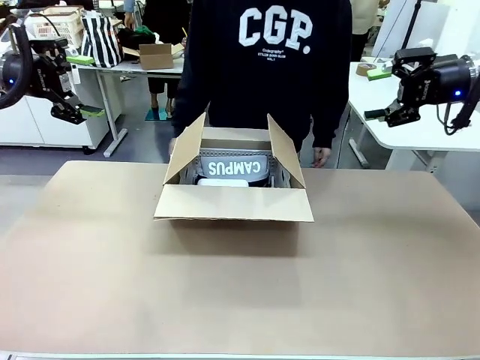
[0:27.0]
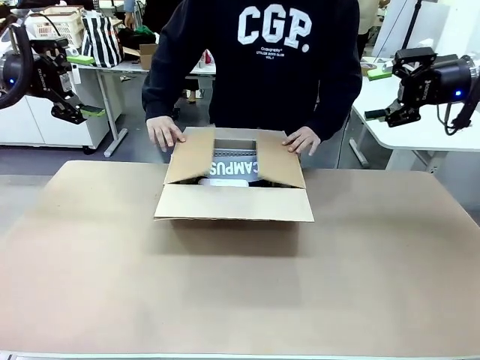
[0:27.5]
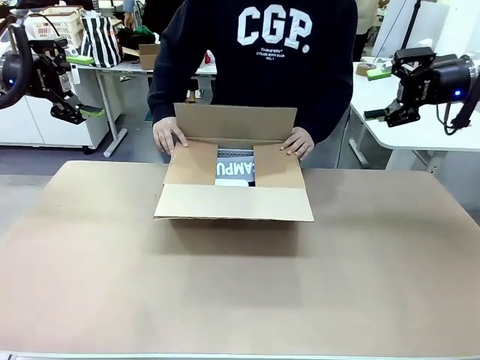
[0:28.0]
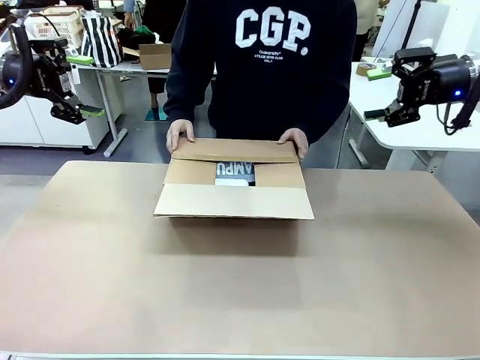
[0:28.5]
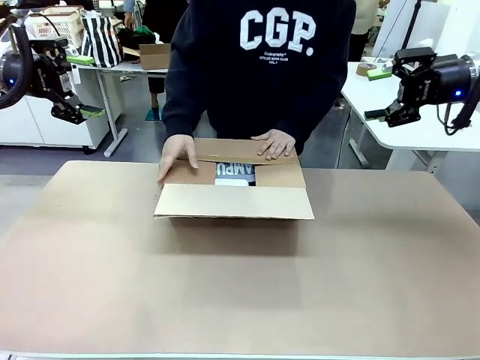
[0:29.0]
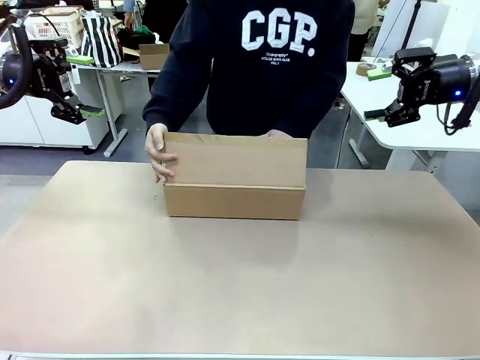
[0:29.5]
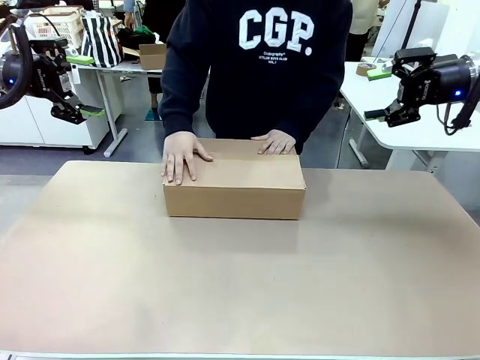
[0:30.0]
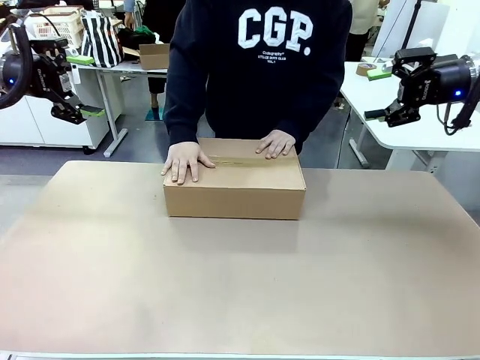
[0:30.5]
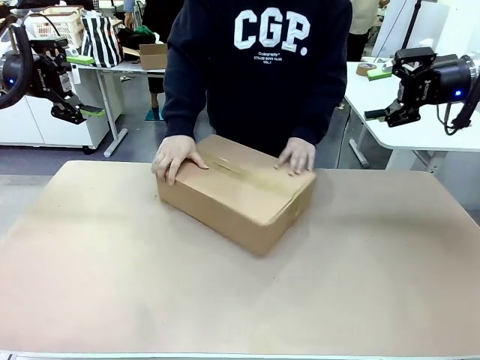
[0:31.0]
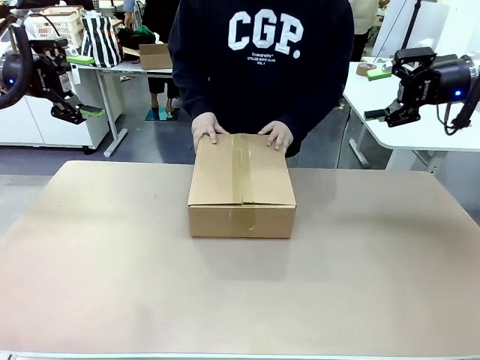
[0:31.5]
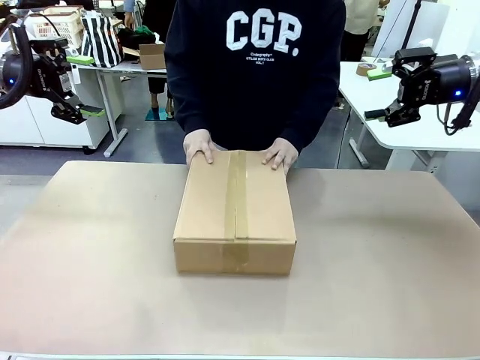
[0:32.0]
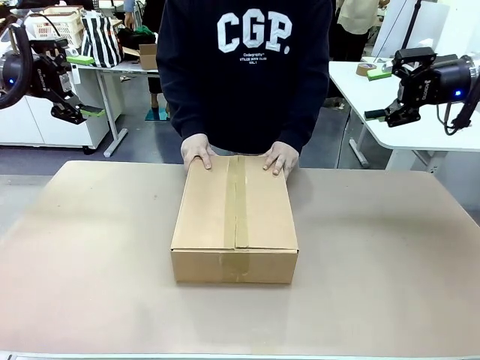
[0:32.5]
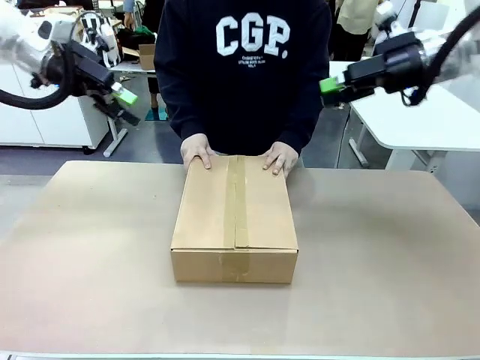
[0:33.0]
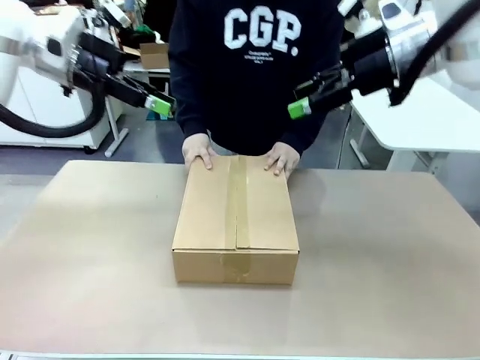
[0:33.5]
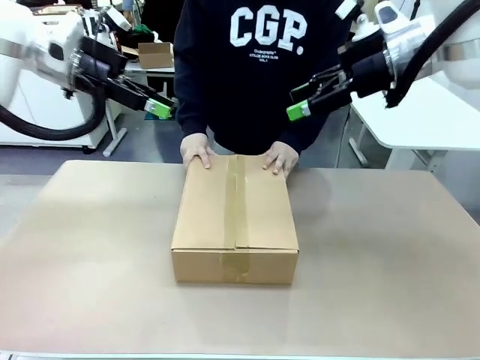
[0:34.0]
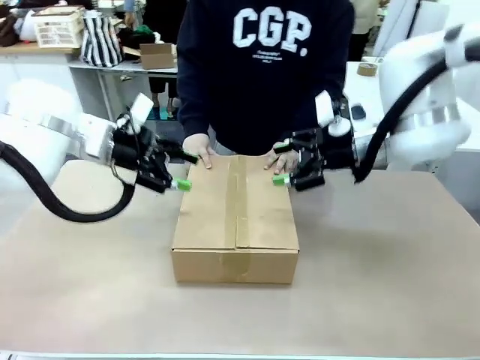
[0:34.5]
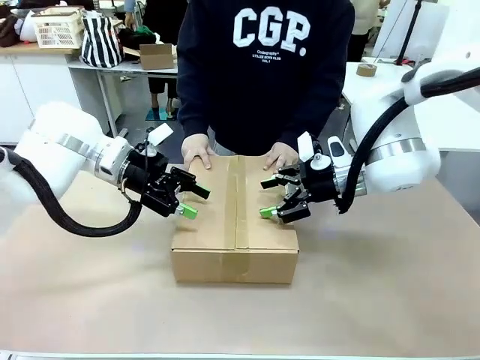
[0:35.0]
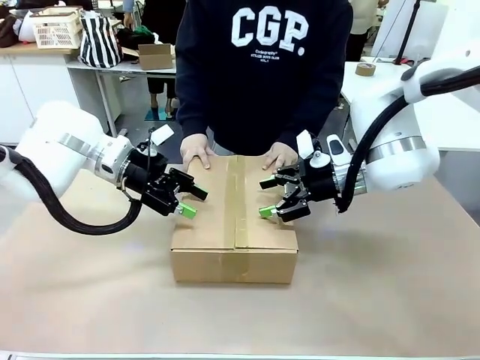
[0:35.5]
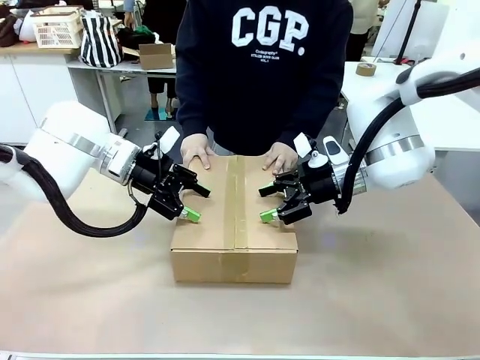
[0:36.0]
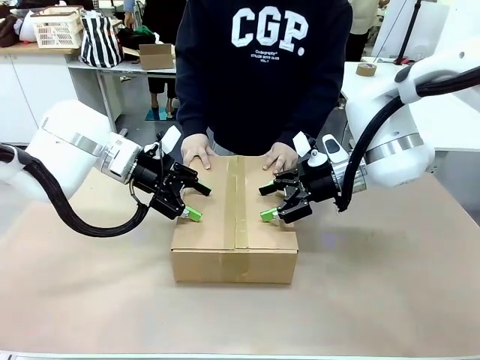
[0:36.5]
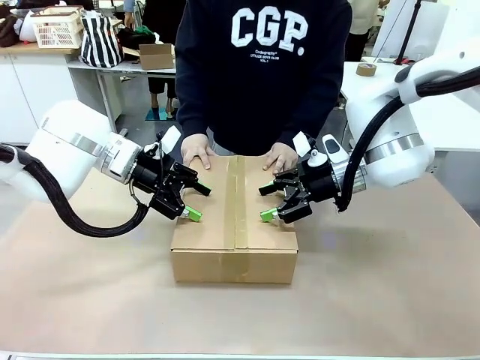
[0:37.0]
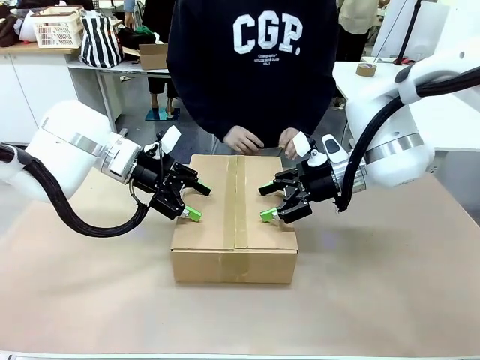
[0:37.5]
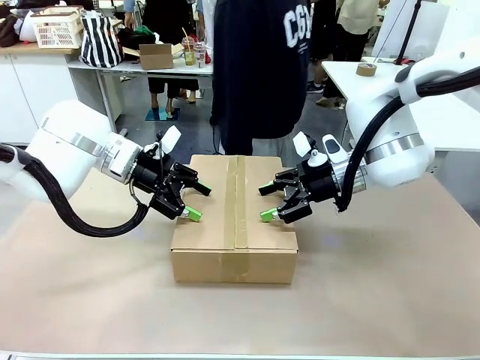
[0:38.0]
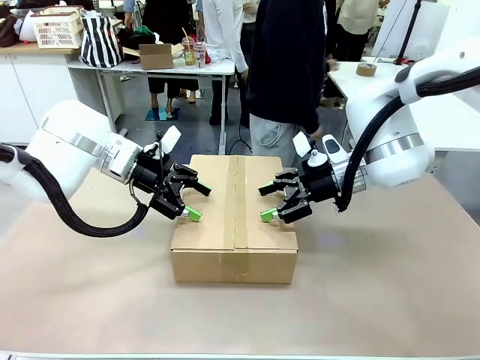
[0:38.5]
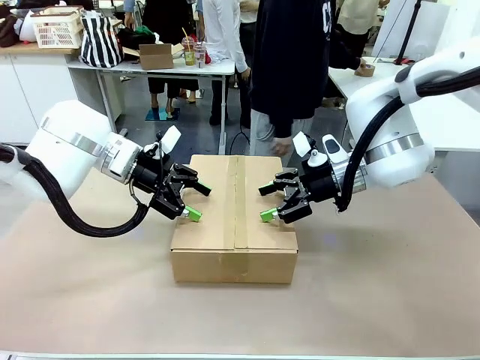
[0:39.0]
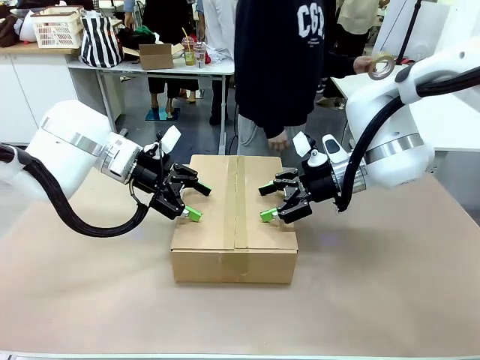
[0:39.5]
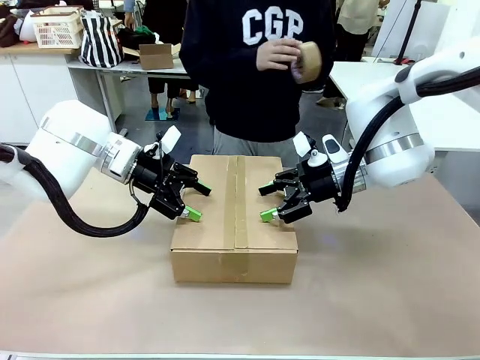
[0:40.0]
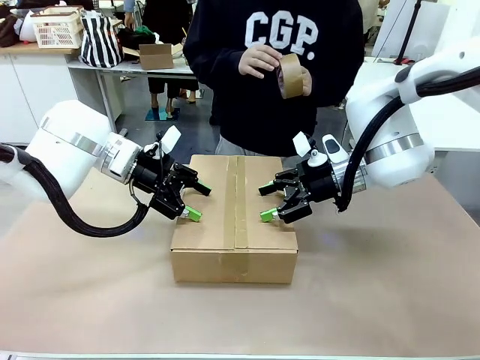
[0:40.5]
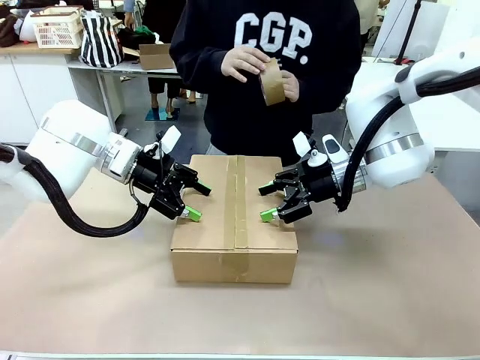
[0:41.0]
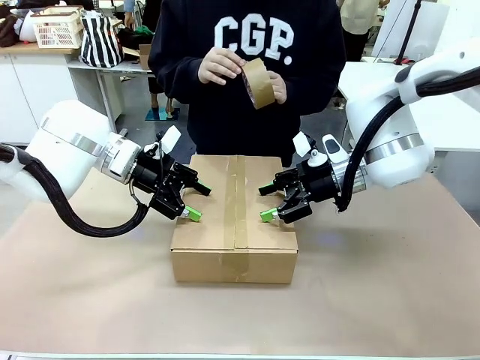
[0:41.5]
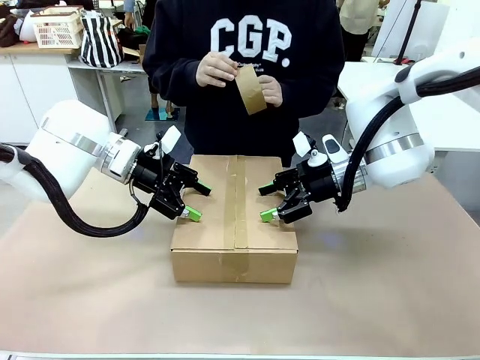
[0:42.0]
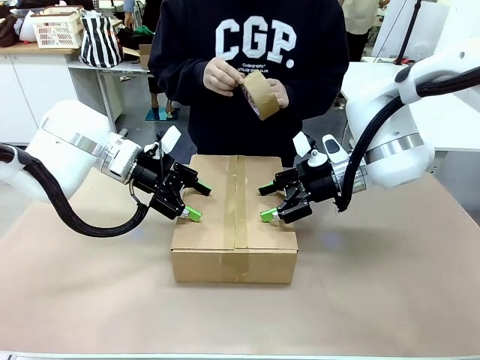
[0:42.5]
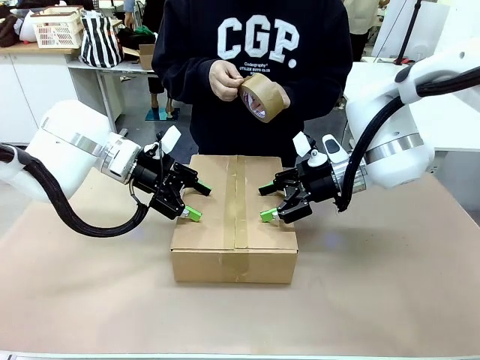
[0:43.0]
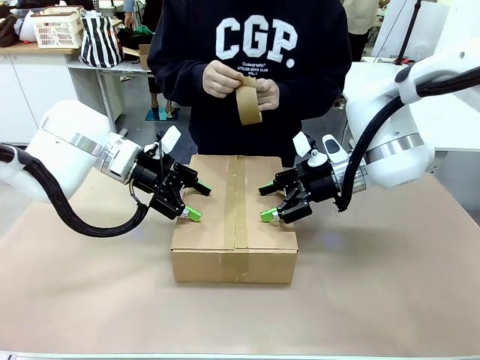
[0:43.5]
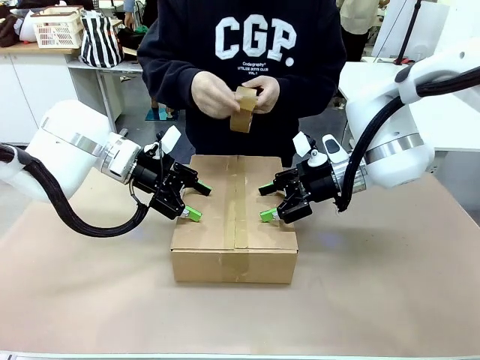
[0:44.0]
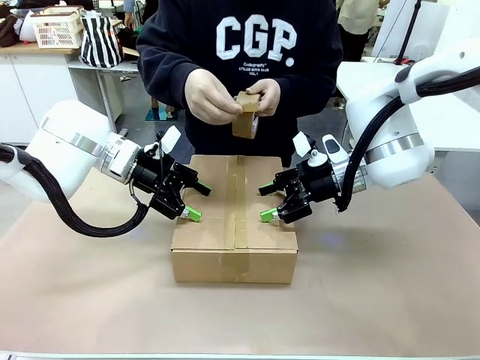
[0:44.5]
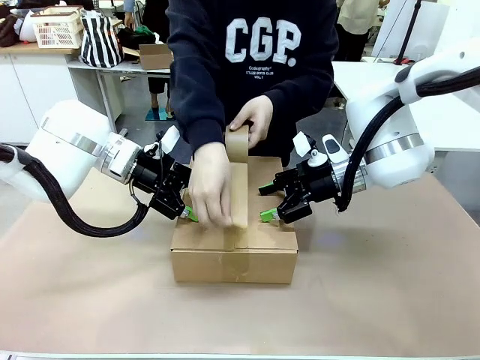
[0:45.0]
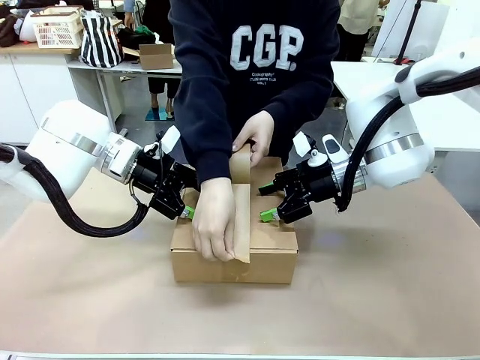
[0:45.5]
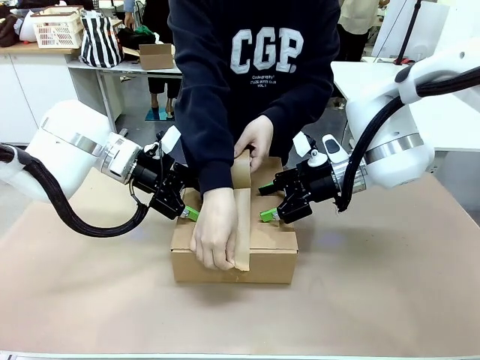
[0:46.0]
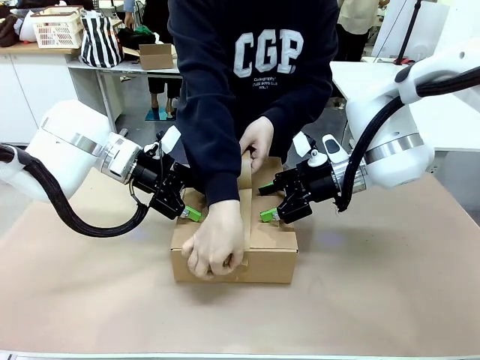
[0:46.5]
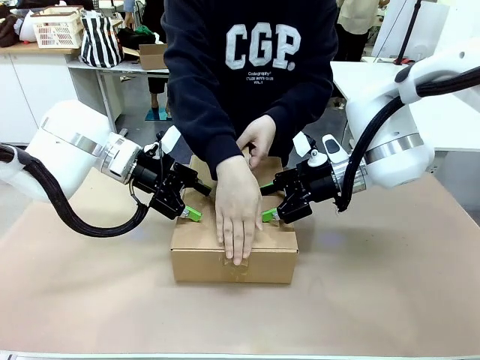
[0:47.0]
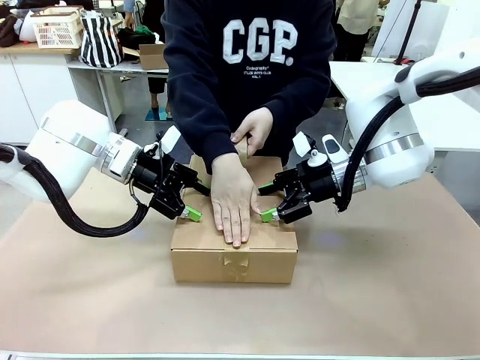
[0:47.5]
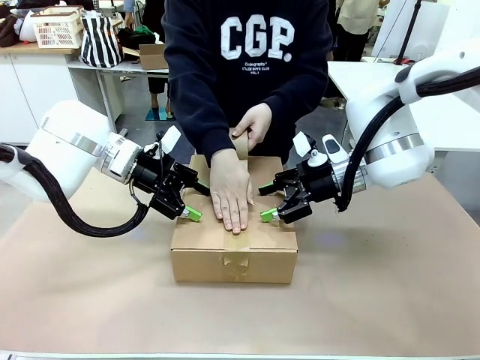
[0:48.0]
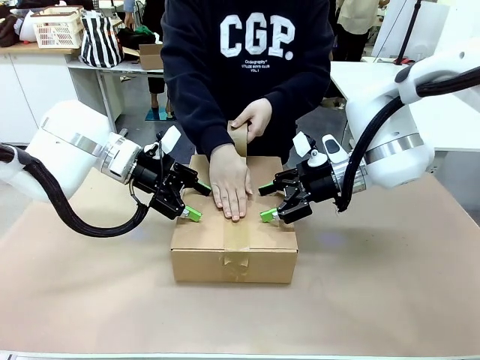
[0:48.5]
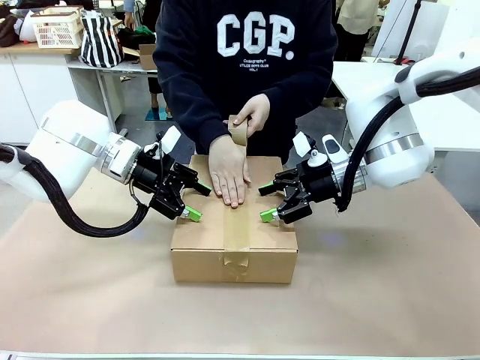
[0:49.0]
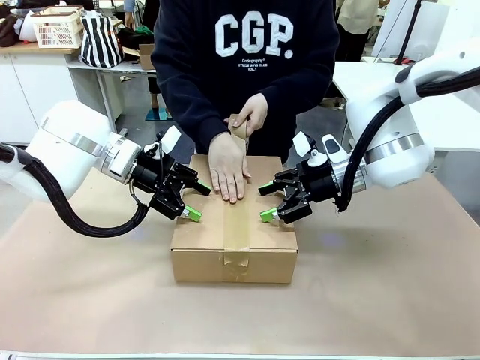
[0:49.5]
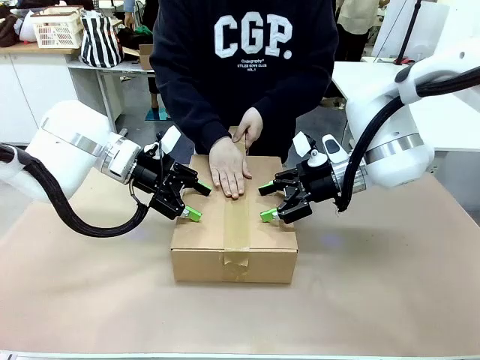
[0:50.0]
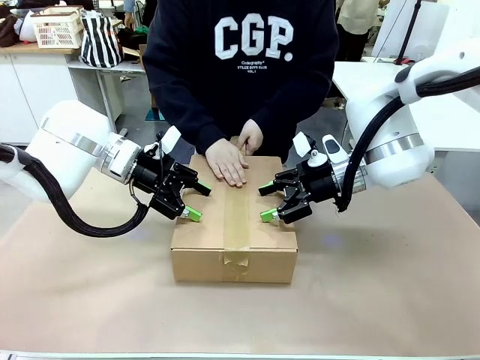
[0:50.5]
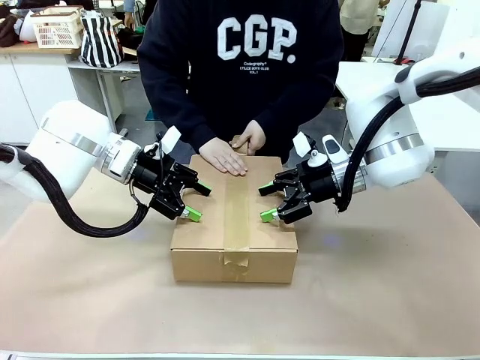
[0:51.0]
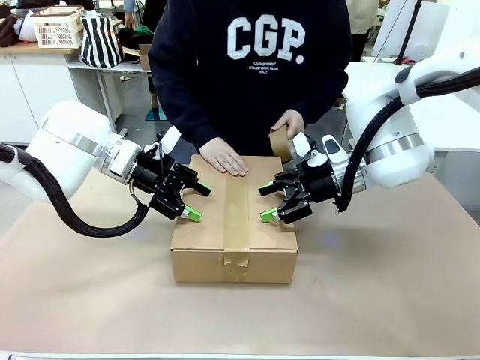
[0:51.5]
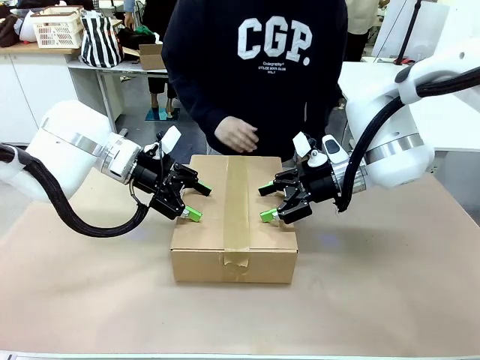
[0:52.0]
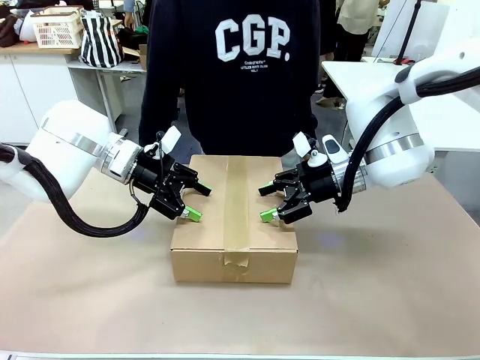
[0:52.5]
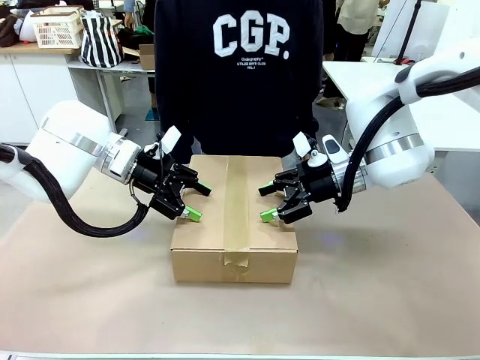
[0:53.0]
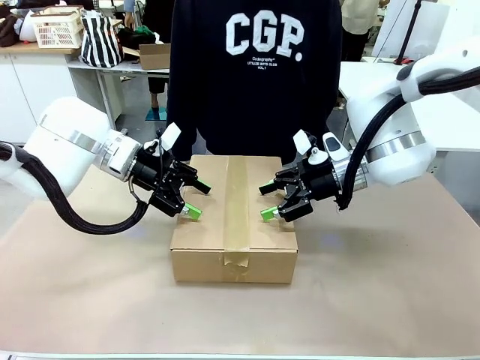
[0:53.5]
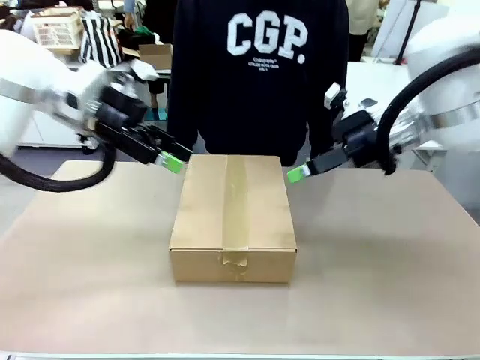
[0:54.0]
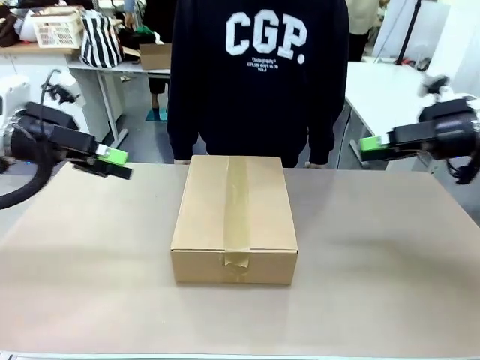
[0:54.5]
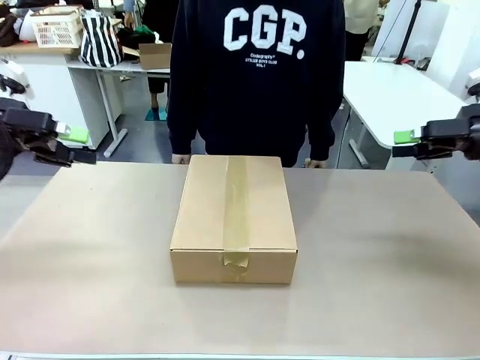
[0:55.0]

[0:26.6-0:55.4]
Task: Pack the gift set into the box.
Robot: Press and hold the closed box until the human finishes sealing it.
Person: The human closes the box and rotates the box by 90 degrees. The human picks up the paper tape from the human table and packs the box.
